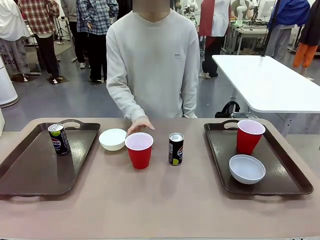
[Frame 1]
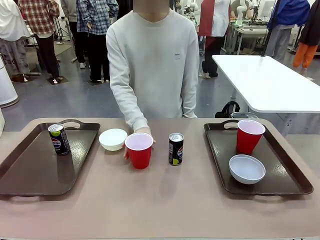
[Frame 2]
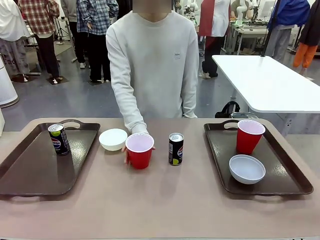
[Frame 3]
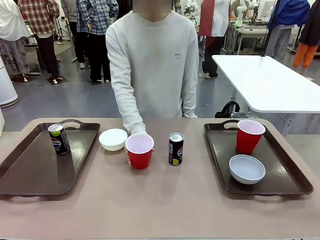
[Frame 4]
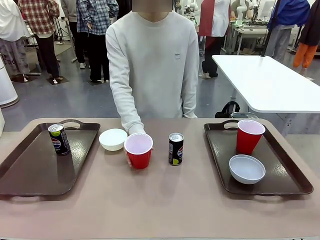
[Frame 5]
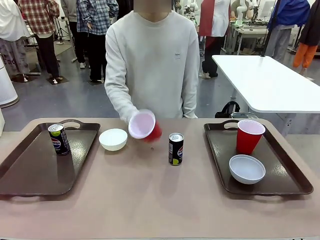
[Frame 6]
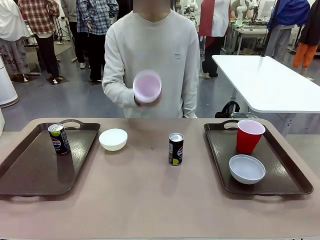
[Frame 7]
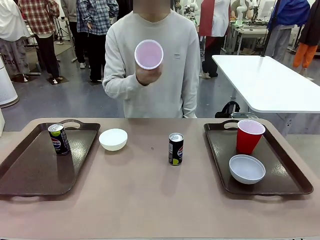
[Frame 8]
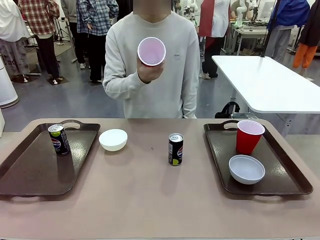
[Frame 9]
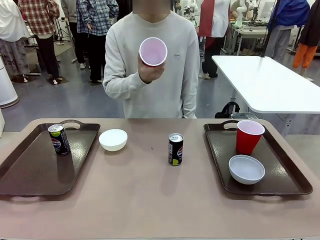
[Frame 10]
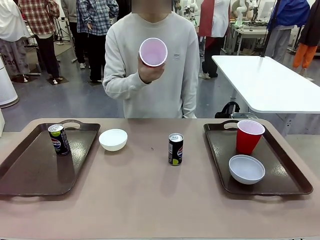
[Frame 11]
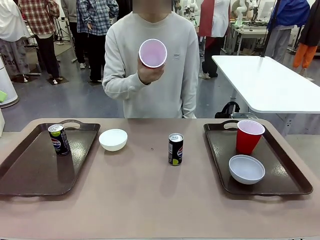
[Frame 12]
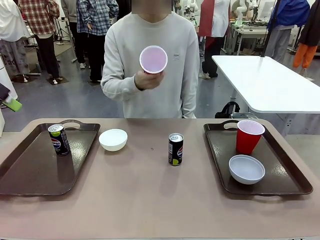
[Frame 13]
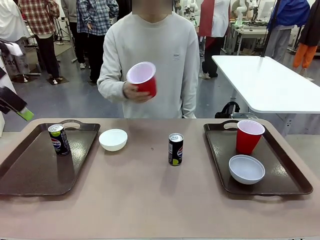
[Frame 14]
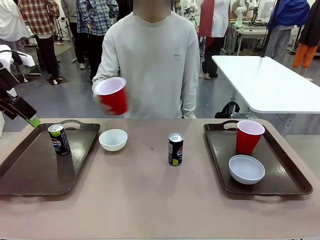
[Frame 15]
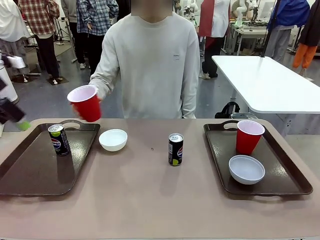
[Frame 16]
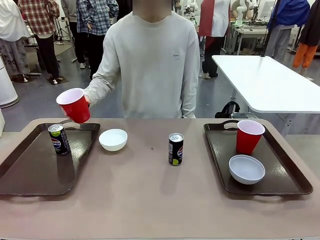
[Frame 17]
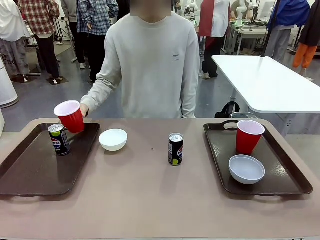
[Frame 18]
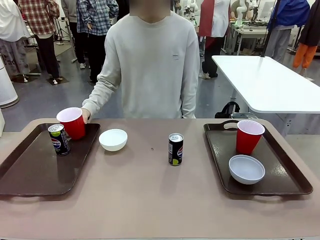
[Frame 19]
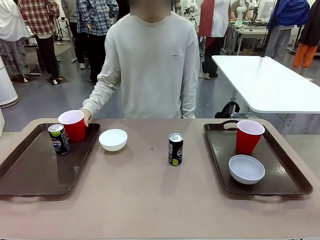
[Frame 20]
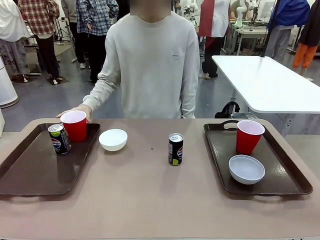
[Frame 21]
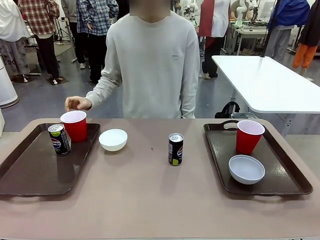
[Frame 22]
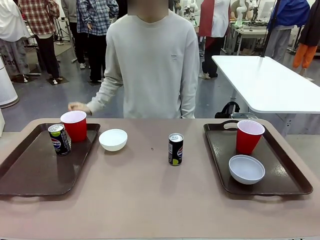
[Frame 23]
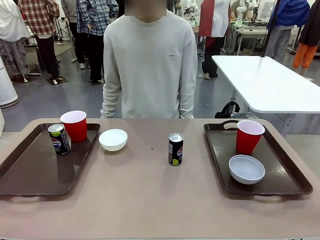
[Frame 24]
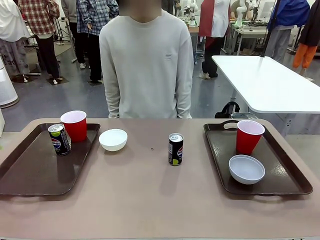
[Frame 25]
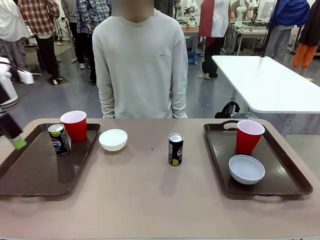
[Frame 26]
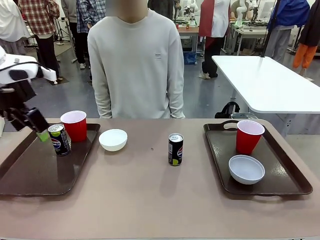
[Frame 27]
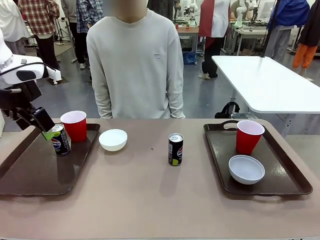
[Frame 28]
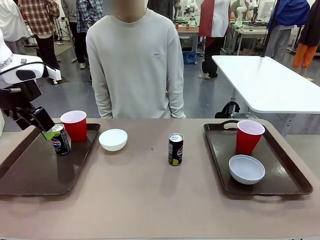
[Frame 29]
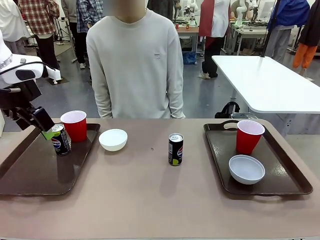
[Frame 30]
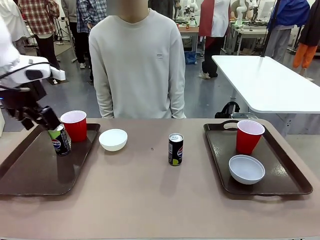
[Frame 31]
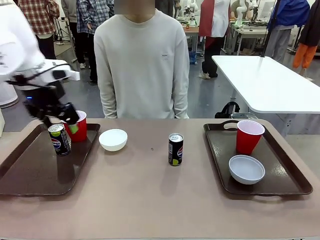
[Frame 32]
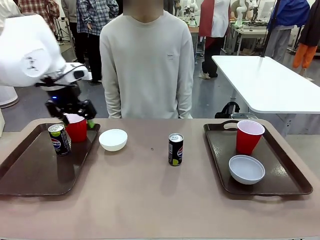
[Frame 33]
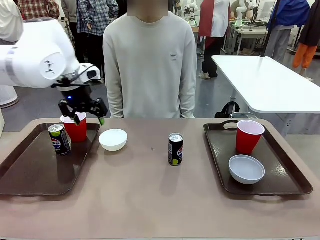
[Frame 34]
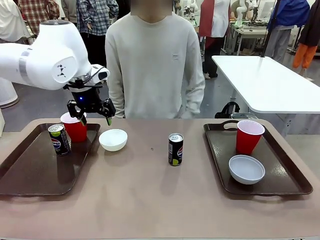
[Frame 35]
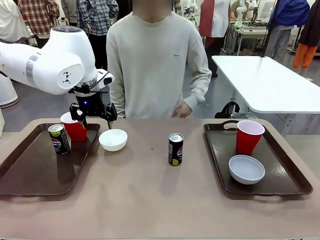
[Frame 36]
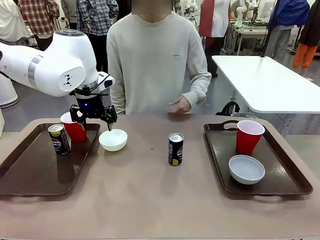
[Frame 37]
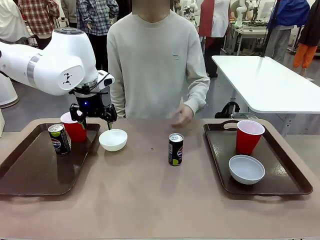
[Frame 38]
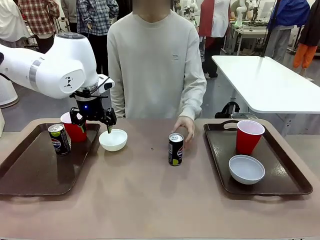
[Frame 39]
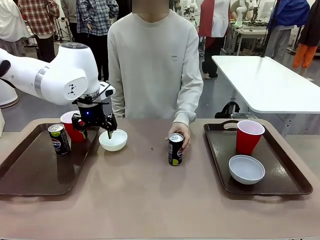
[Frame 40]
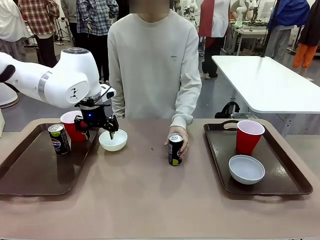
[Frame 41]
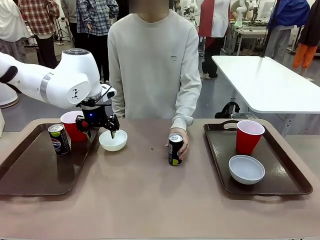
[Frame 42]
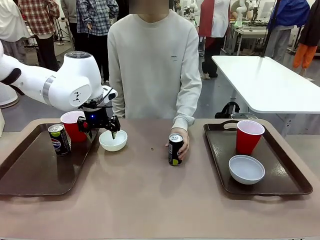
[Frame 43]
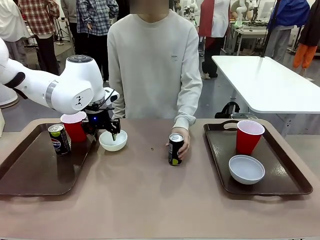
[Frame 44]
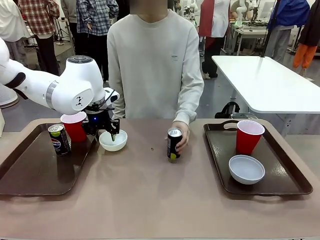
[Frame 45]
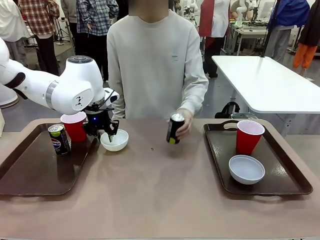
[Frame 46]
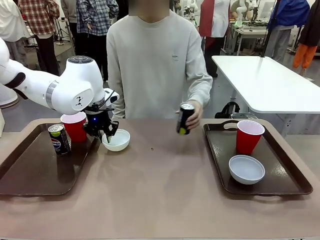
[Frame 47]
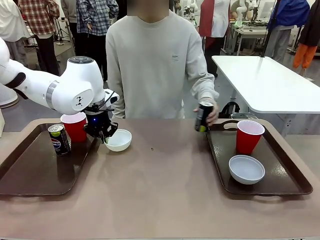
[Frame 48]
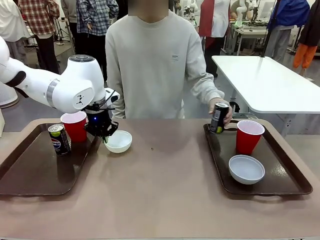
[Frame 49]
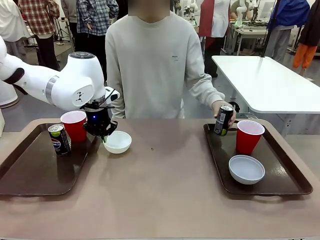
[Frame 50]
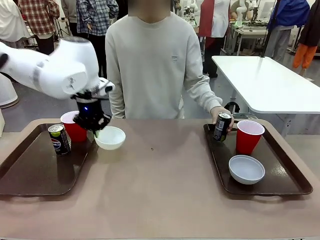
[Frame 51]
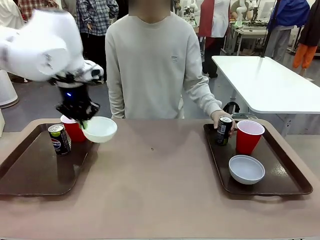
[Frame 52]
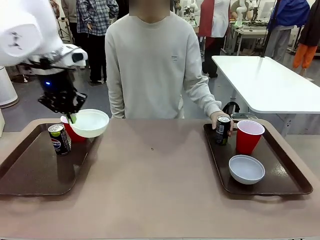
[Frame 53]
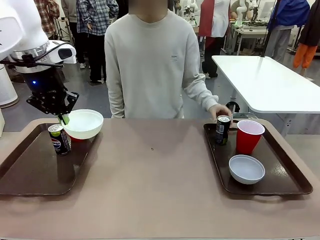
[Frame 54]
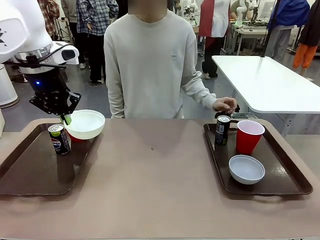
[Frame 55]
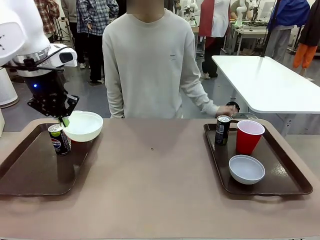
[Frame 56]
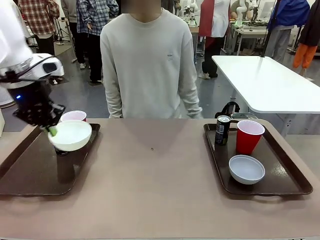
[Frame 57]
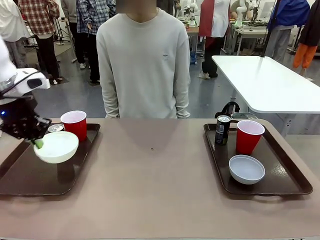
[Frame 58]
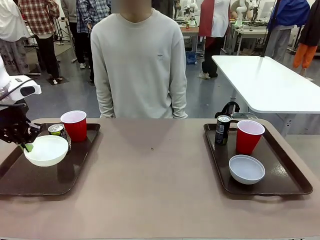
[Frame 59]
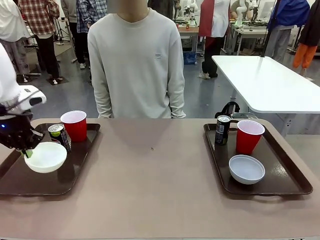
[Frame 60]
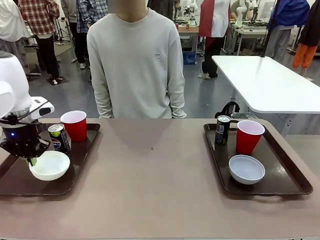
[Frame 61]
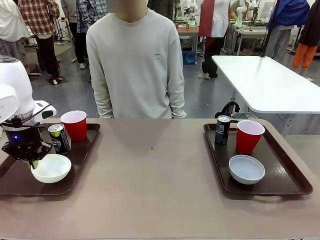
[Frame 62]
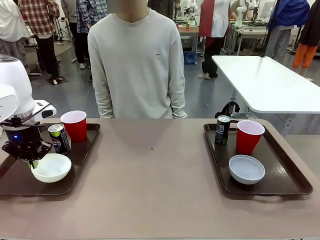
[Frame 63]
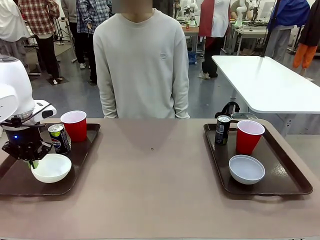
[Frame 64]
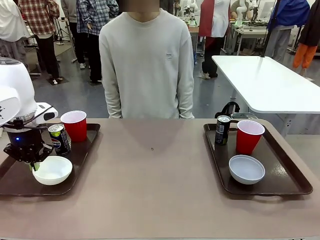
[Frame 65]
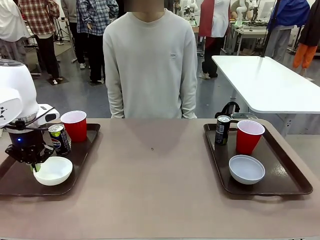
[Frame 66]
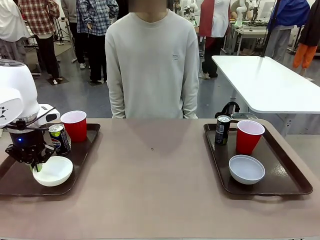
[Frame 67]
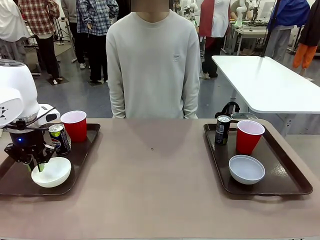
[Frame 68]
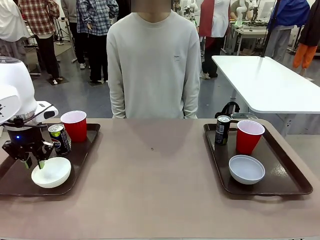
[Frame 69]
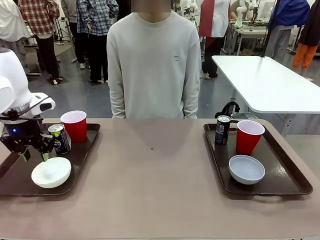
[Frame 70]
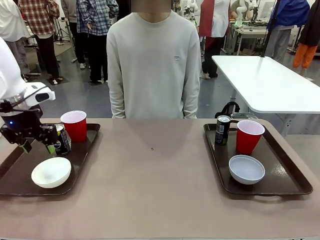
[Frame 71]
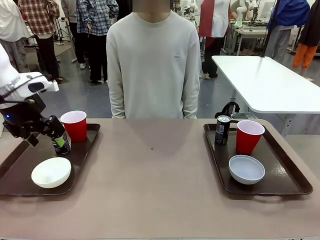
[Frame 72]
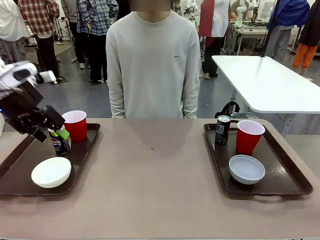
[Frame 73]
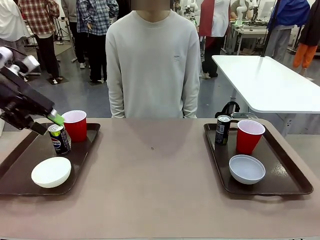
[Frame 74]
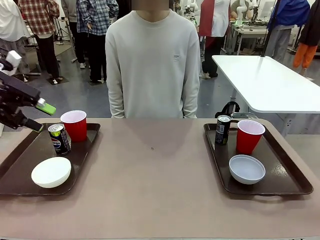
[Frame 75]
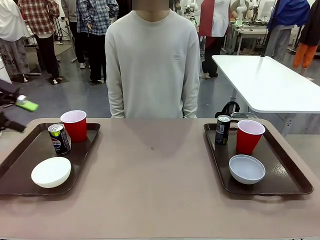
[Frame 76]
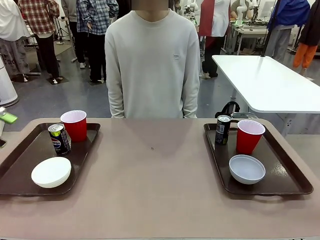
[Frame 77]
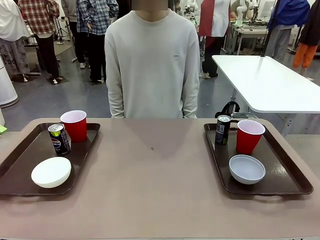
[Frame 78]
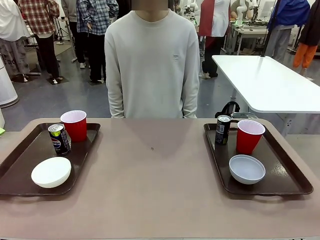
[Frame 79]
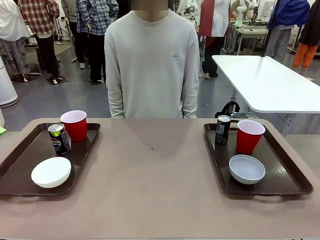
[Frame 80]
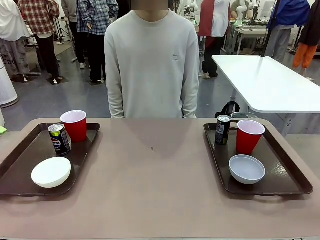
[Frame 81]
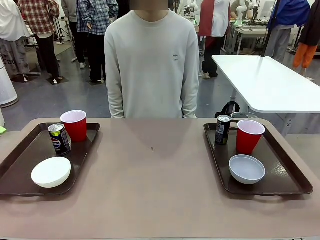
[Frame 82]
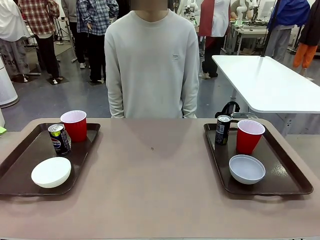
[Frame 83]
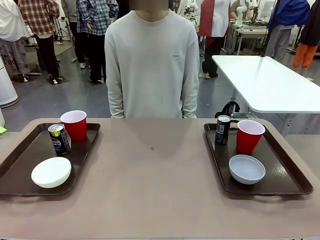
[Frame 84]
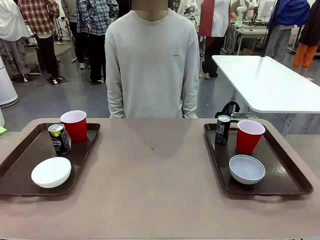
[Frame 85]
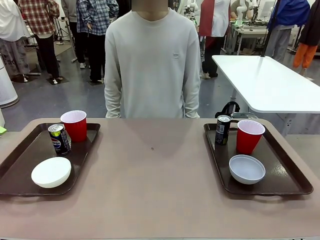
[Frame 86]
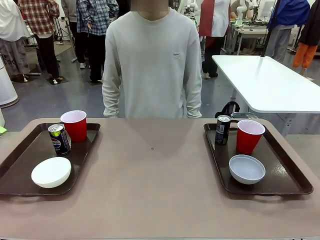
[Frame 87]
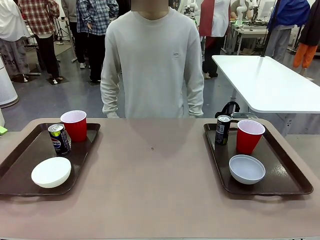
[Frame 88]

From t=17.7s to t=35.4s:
Task: Prepare tableware on both trays.
Robot: Pick up a Picnic Bowl from the table and place it on a Handle tray.
Person: Pick up a can or cup and place it on the tray without a can or cup.
